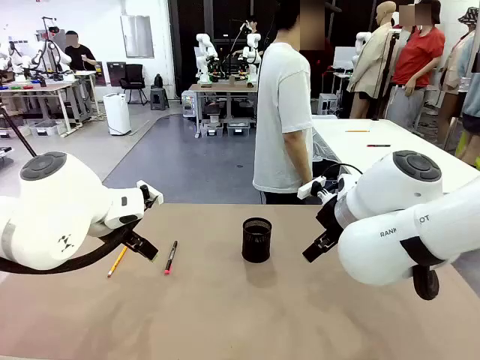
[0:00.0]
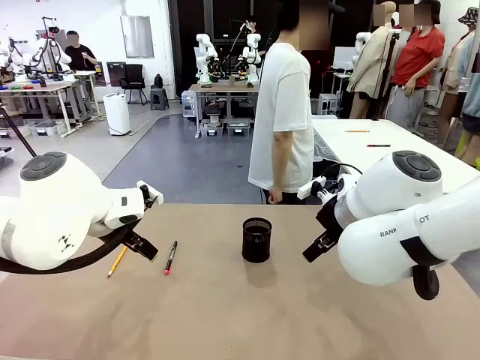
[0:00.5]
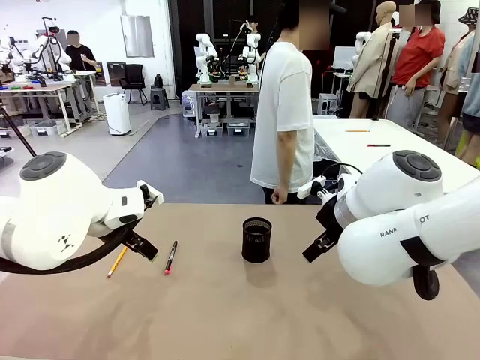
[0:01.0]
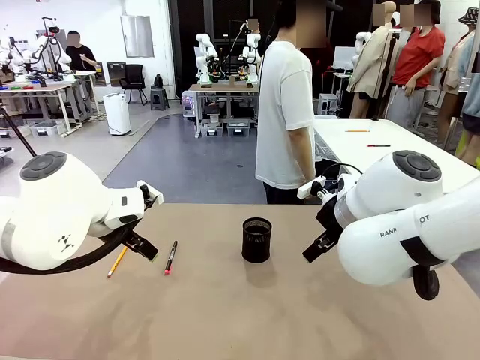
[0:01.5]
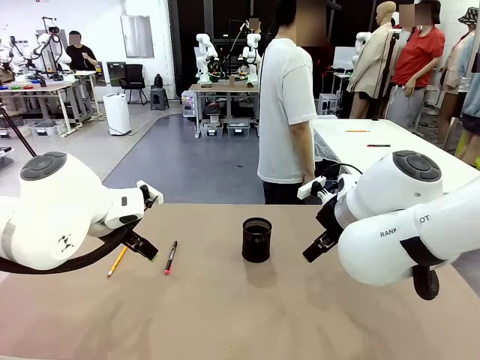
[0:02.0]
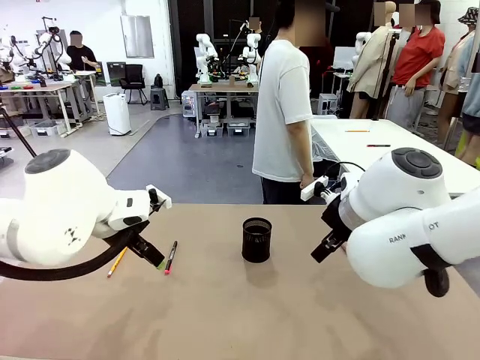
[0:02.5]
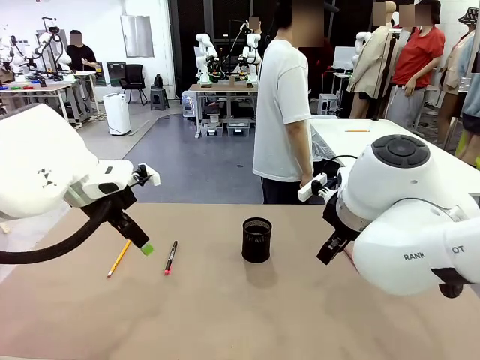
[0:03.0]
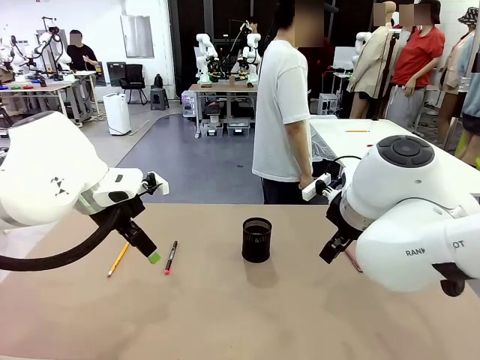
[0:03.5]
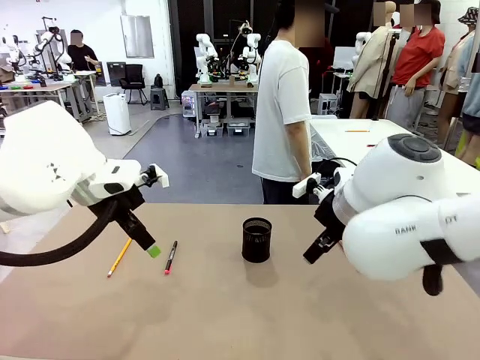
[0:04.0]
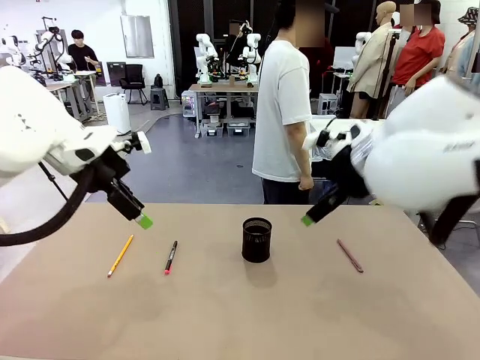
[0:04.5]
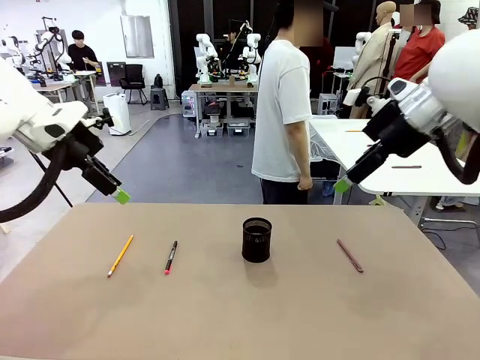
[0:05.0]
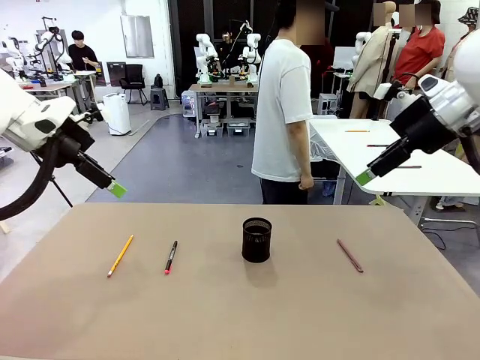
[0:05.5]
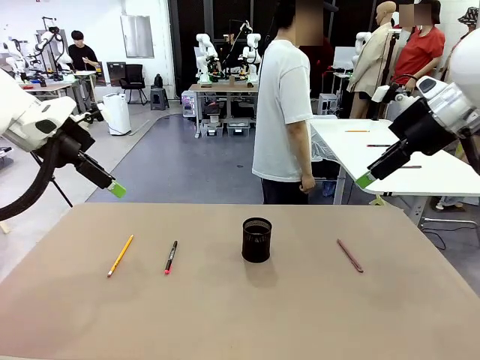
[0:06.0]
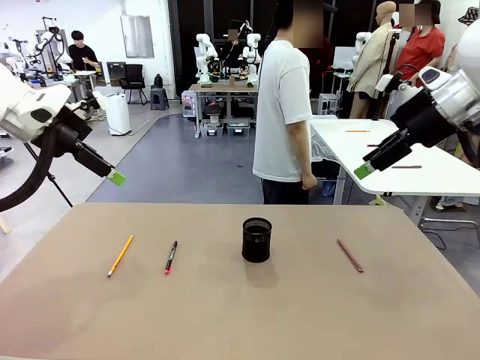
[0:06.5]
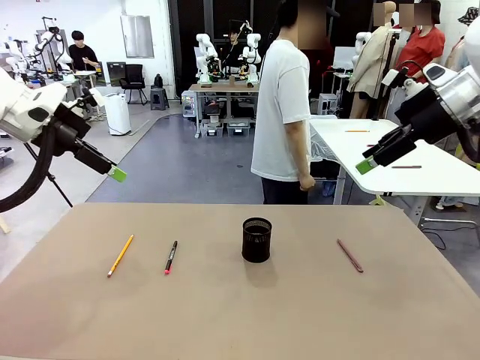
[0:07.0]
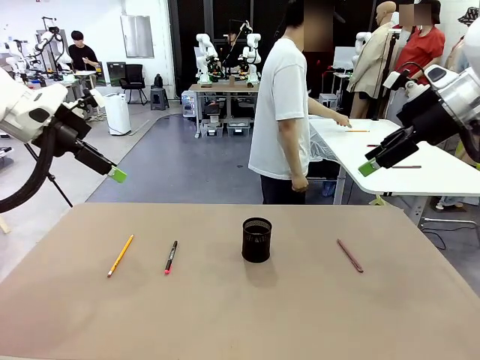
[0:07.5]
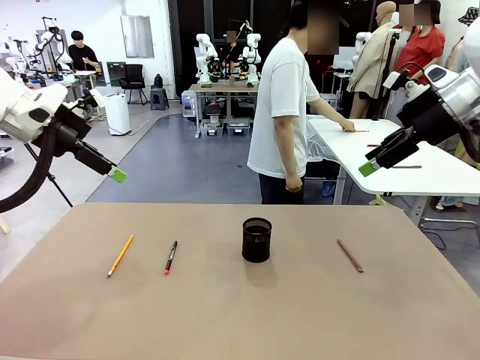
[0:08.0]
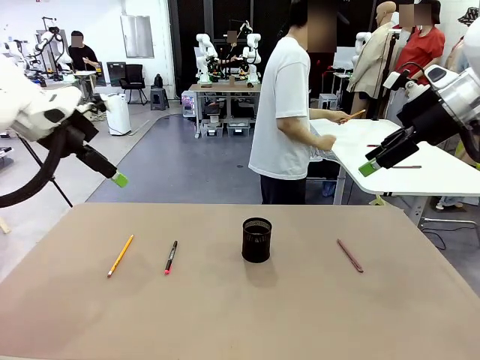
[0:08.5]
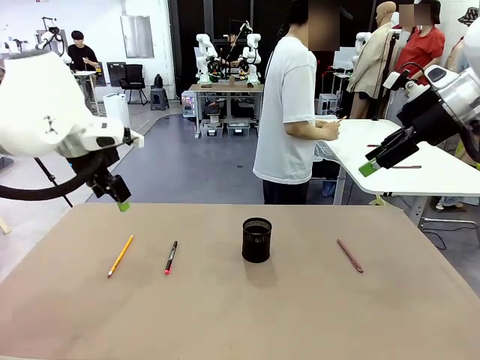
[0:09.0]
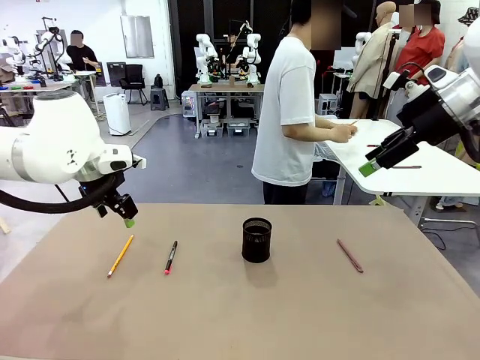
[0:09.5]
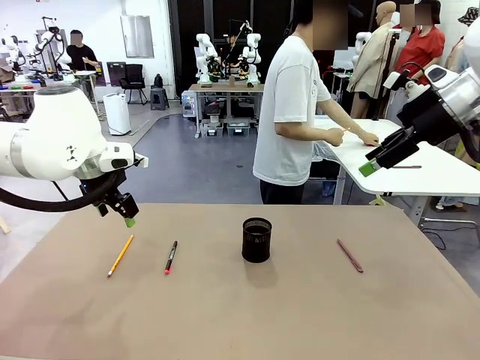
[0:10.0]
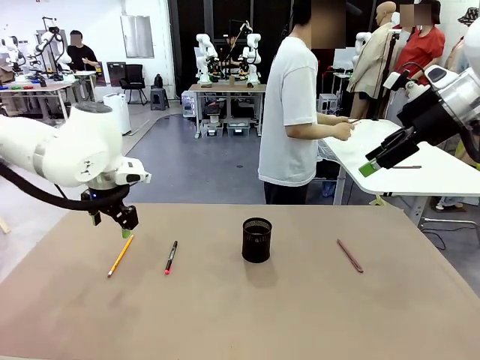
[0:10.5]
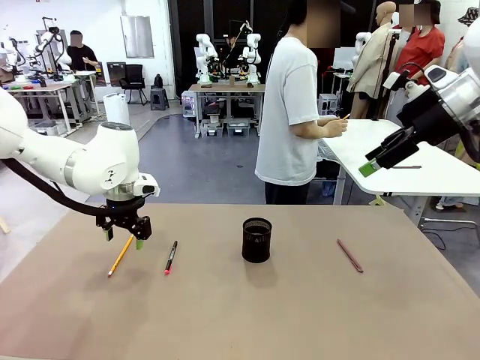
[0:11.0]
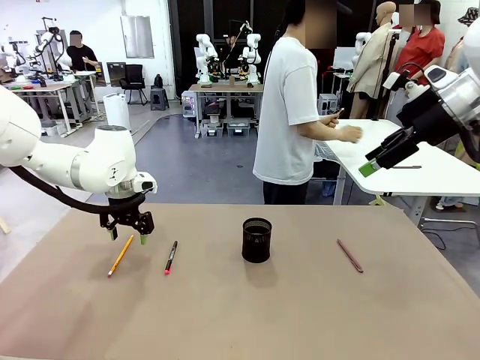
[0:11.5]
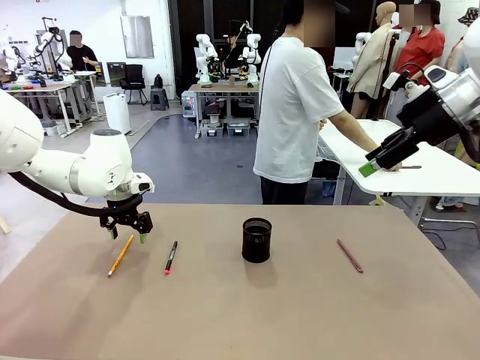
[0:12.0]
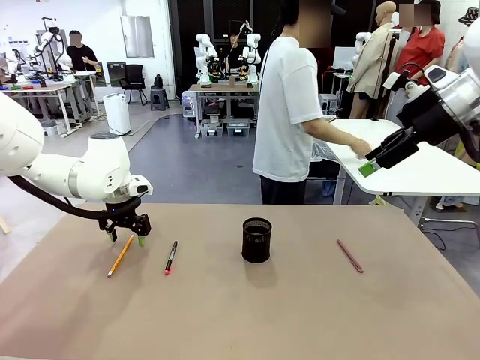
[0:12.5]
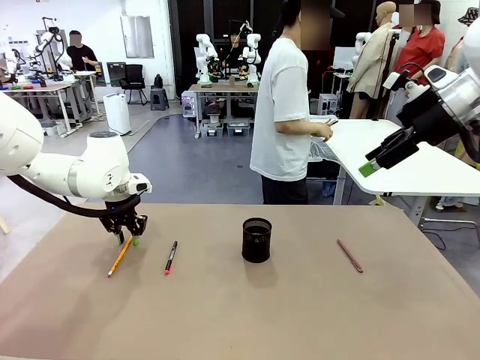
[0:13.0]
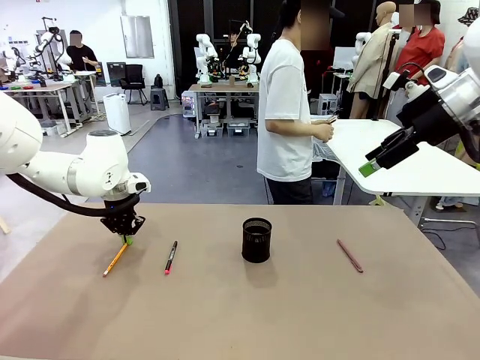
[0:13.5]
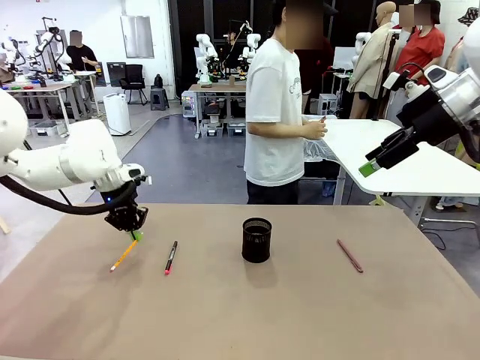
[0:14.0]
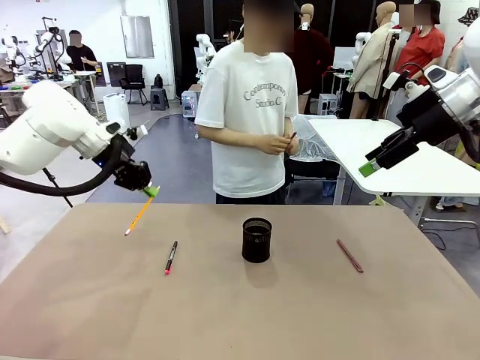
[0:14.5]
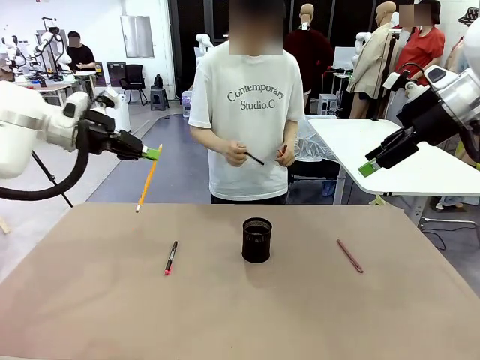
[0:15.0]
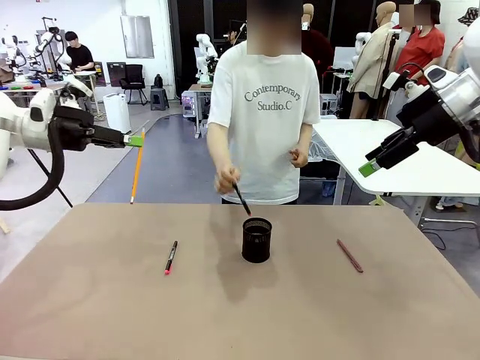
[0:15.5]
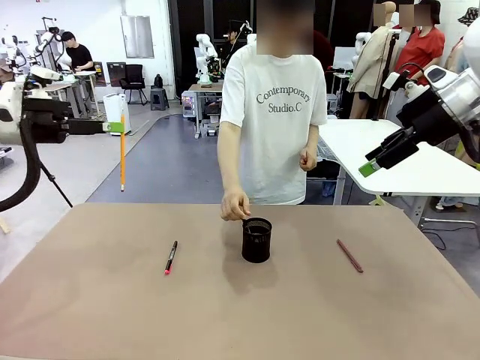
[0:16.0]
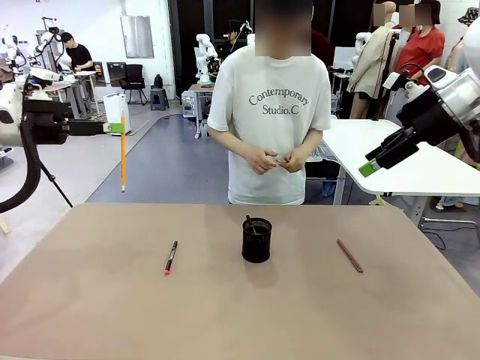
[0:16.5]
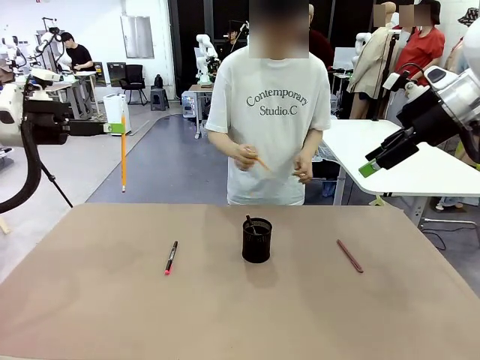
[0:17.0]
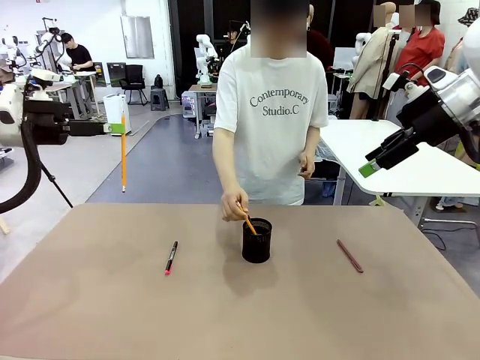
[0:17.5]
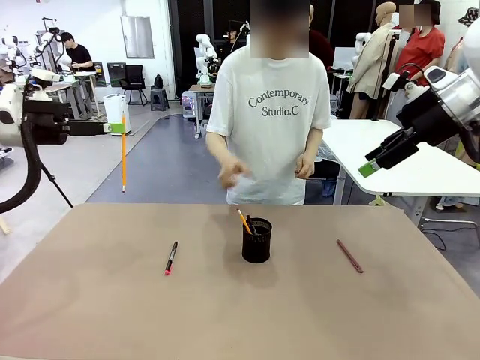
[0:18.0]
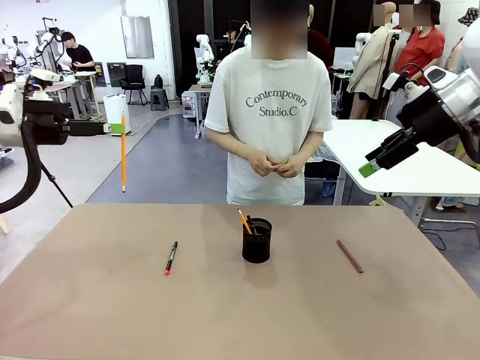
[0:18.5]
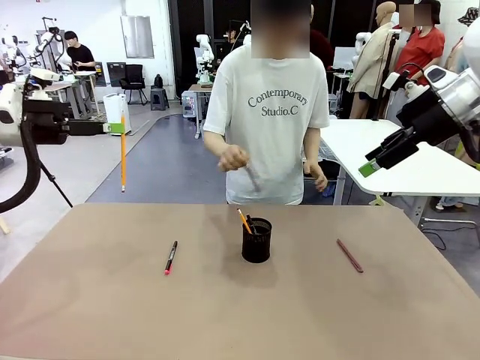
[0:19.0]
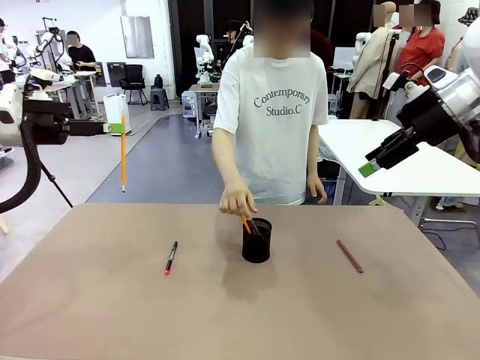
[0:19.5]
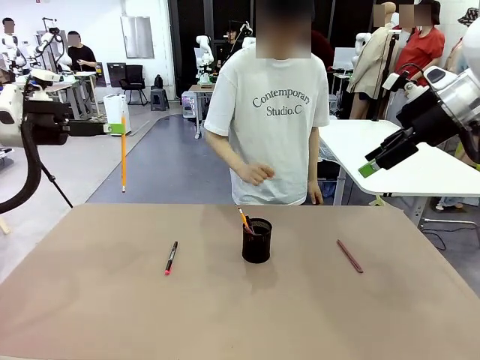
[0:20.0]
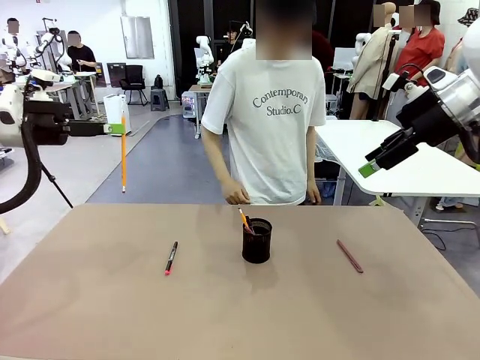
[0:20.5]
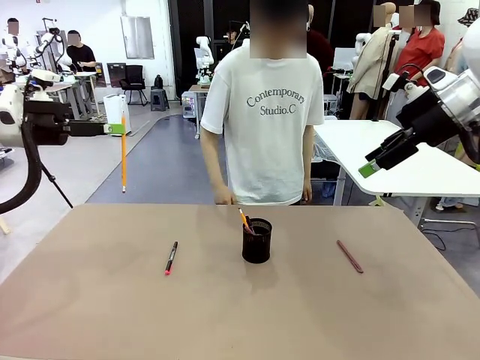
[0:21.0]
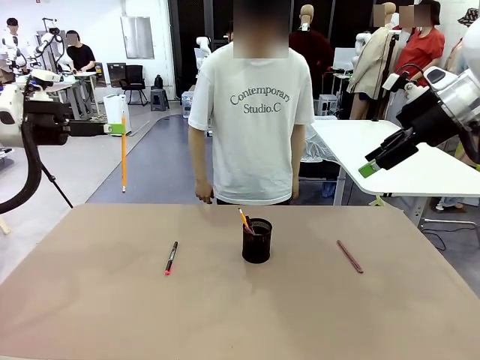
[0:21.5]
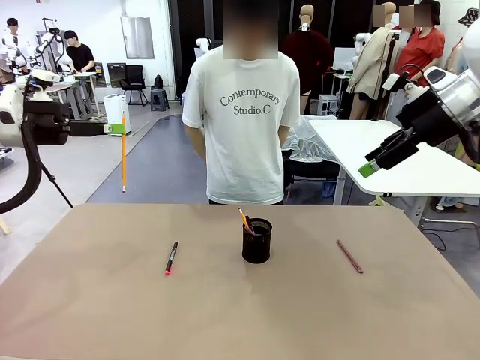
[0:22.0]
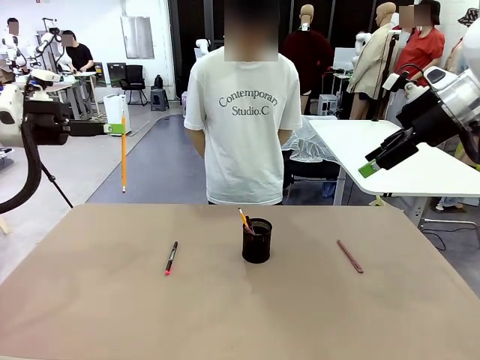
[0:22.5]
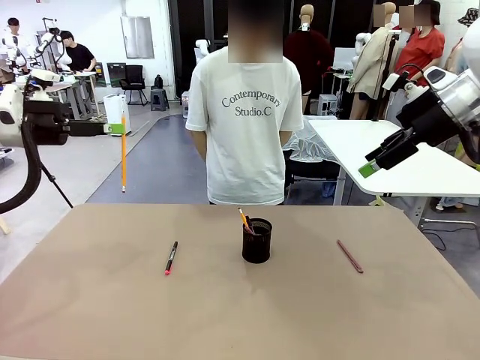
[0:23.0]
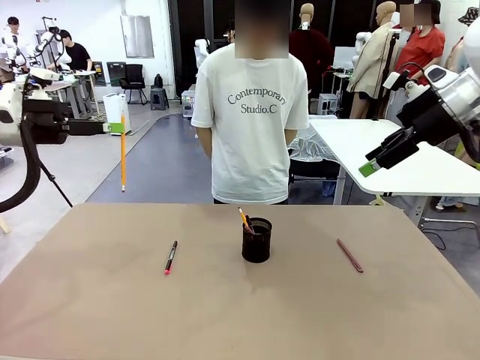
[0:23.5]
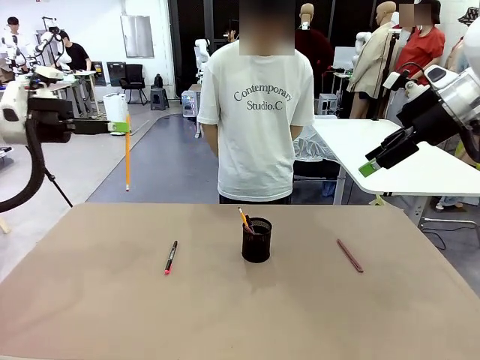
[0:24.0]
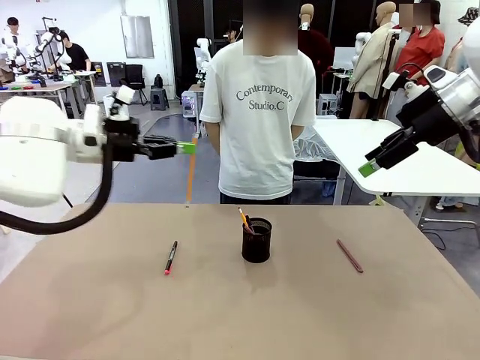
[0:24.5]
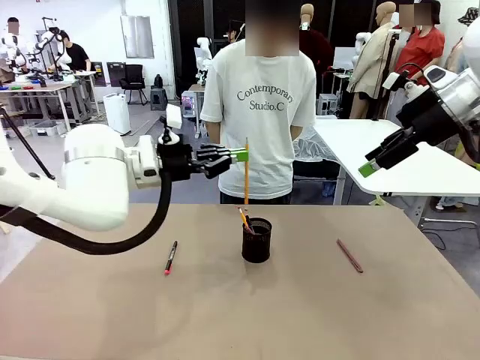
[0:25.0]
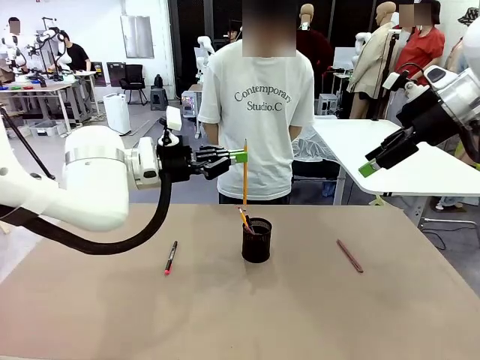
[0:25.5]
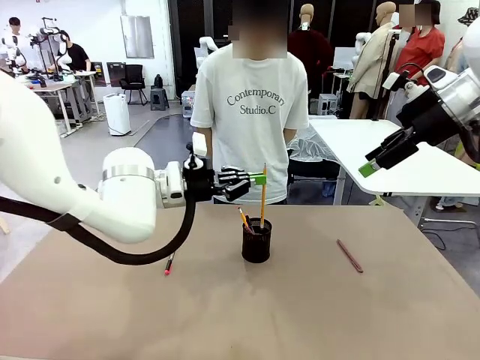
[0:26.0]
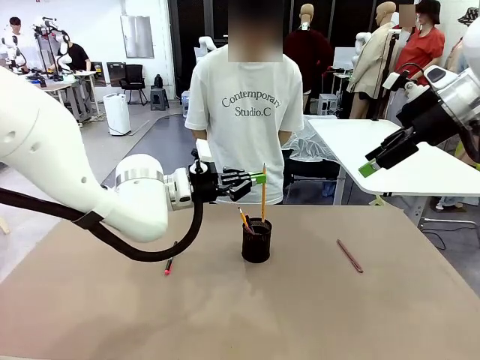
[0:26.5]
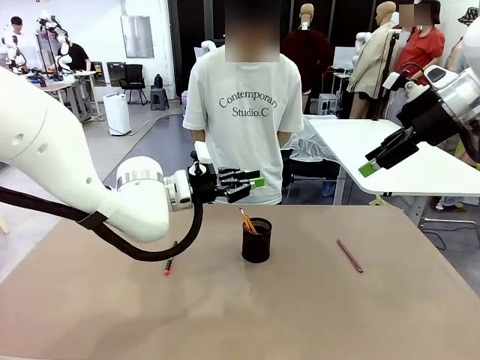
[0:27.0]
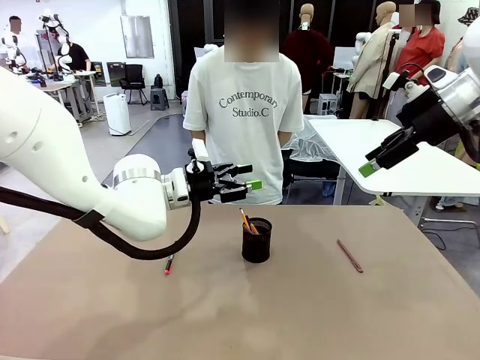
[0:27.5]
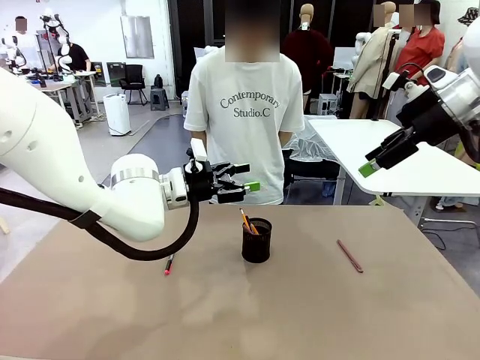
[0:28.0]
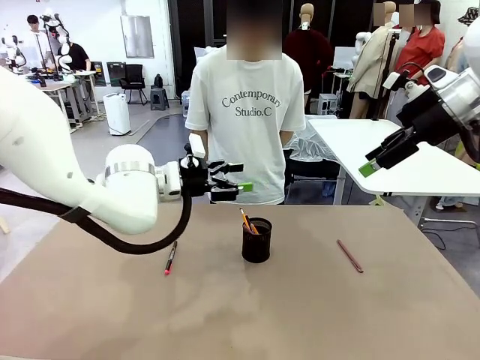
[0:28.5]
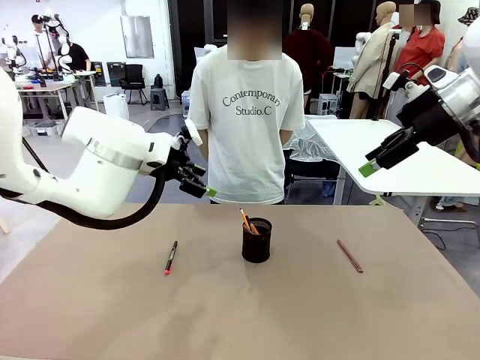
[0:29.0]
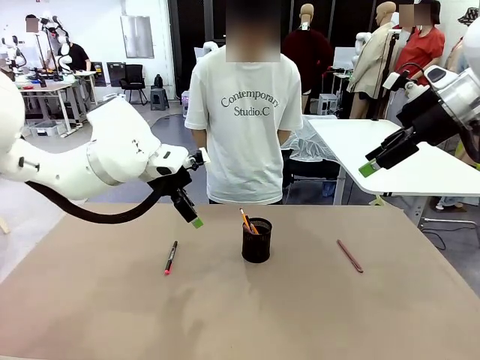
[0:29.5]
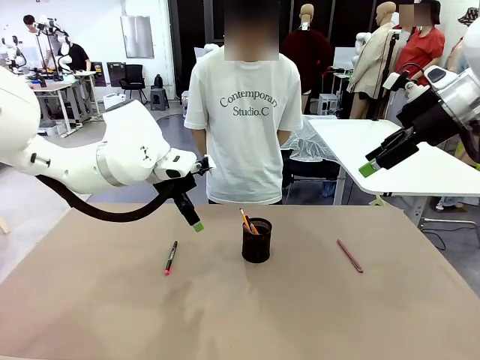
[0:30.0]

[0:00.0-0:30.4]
Task: Place the pens into the pen holder.
Robot: Pick up a writing instrument from the table and place it into the Pen holder.
Person: Pick up all writing instruments from the Human table.
